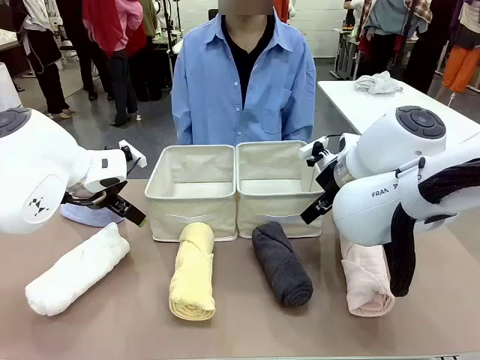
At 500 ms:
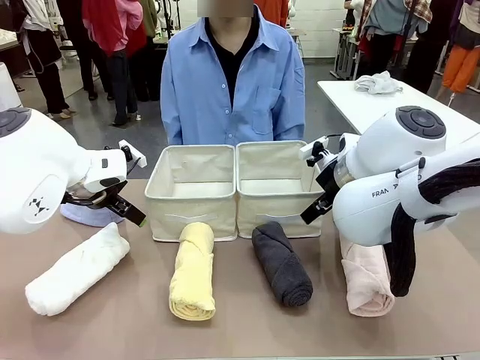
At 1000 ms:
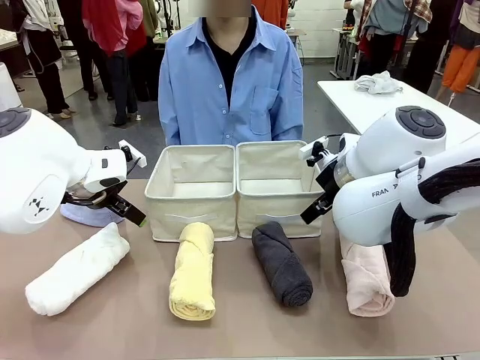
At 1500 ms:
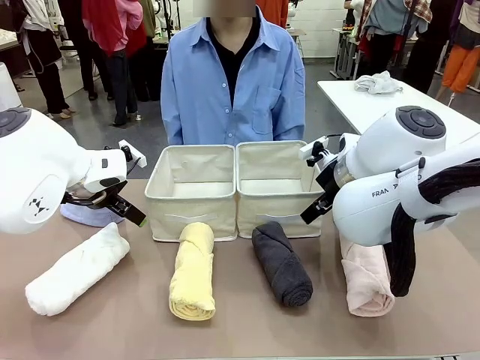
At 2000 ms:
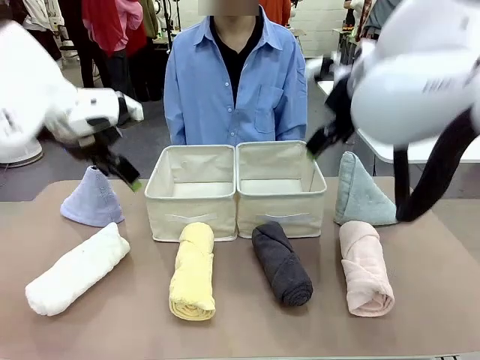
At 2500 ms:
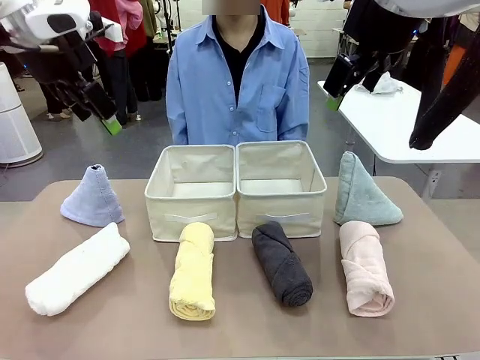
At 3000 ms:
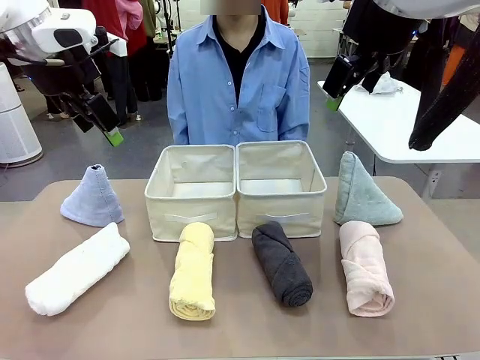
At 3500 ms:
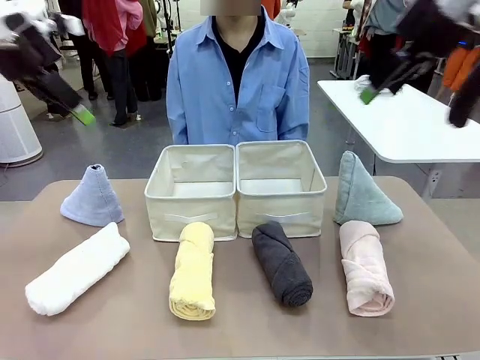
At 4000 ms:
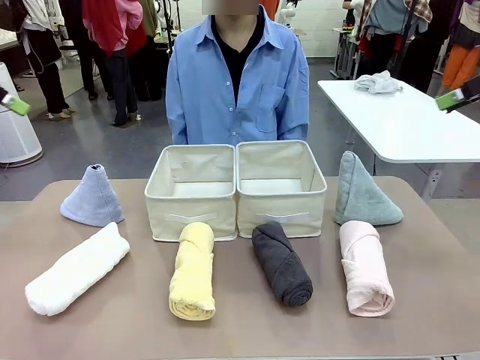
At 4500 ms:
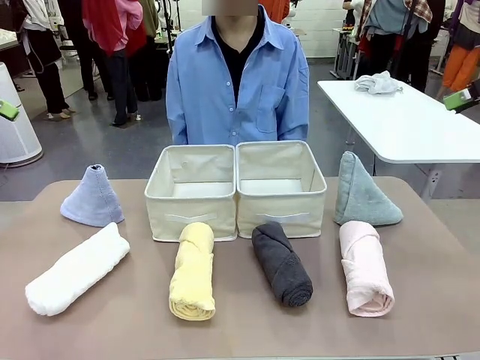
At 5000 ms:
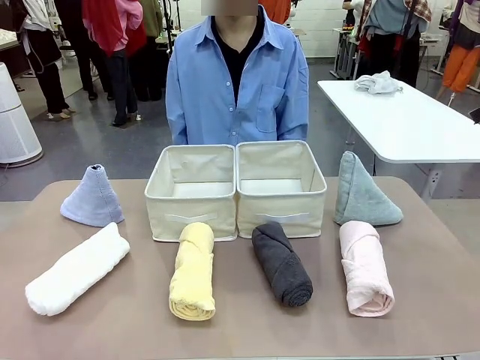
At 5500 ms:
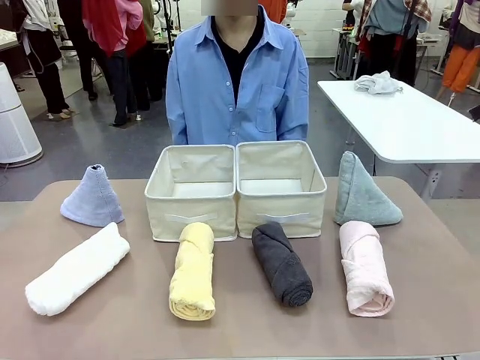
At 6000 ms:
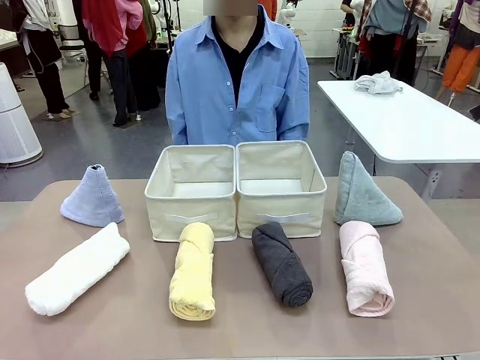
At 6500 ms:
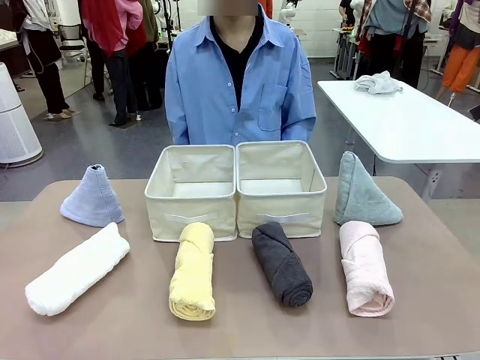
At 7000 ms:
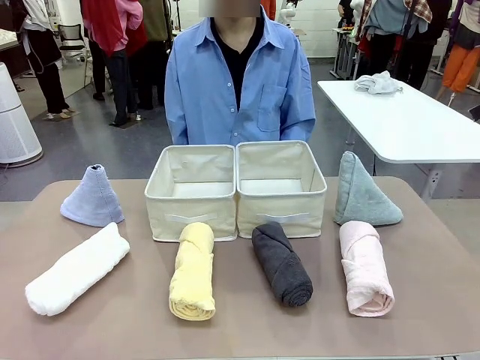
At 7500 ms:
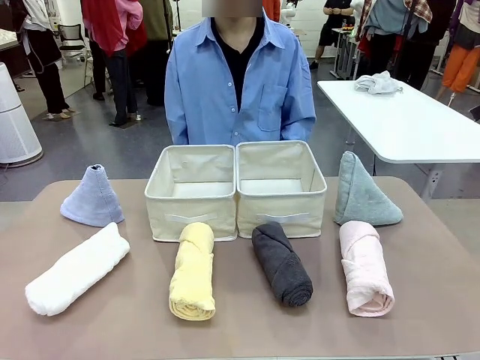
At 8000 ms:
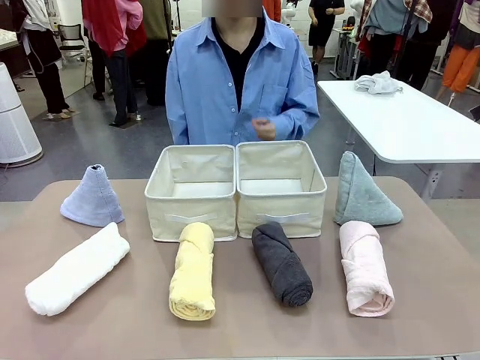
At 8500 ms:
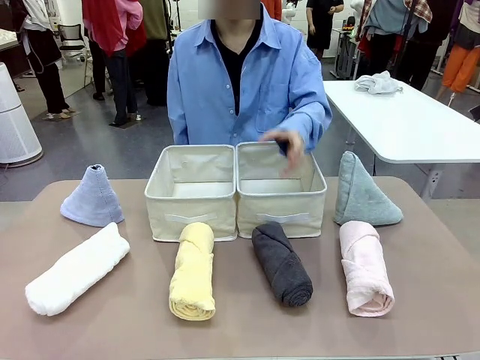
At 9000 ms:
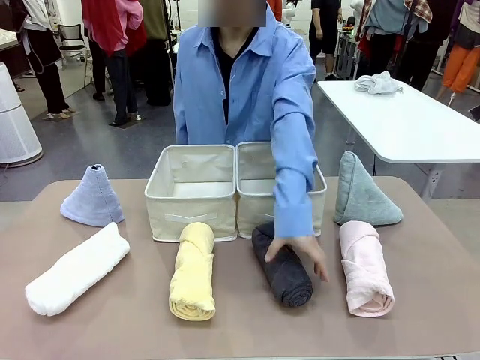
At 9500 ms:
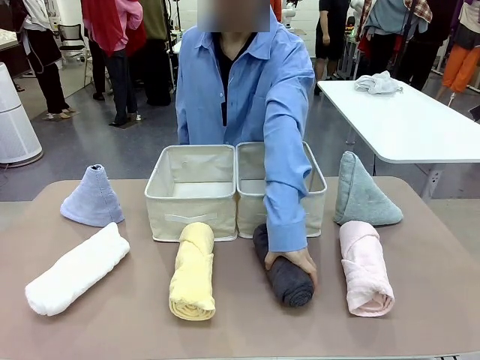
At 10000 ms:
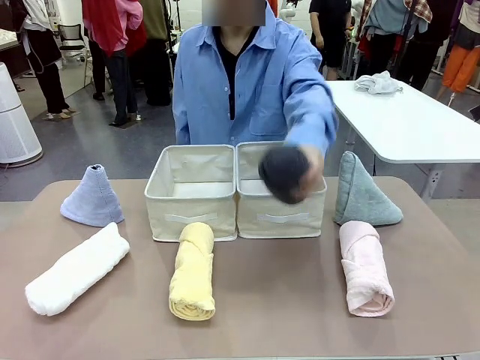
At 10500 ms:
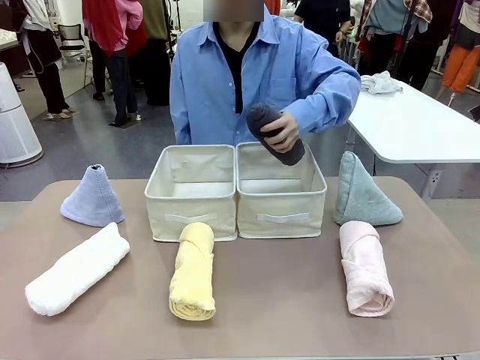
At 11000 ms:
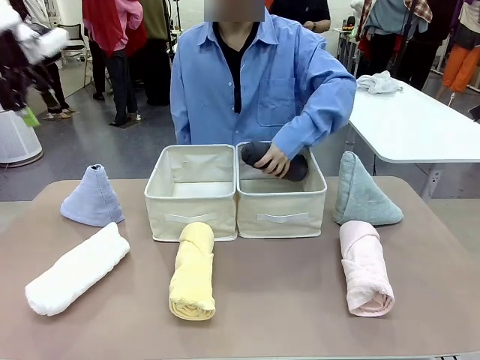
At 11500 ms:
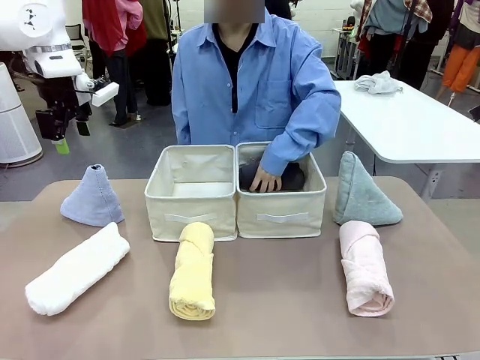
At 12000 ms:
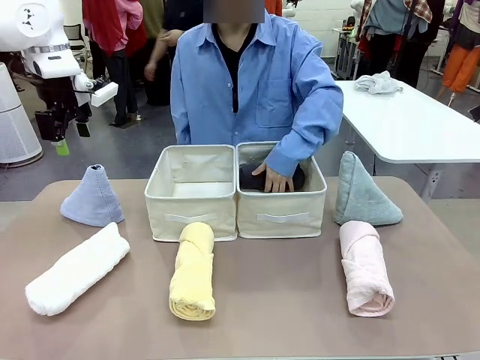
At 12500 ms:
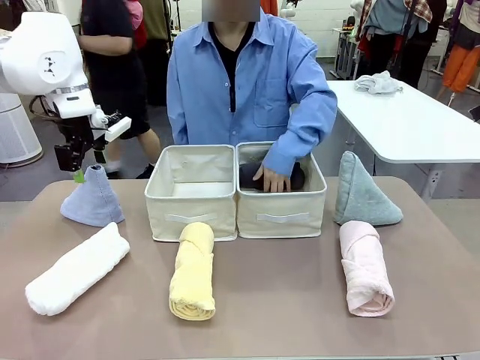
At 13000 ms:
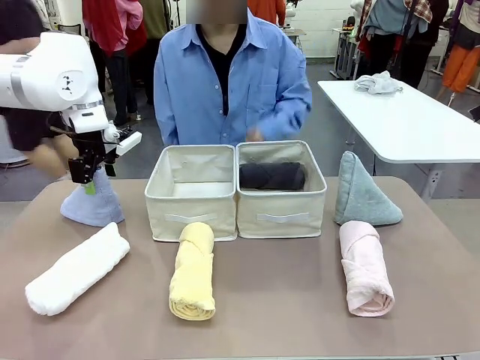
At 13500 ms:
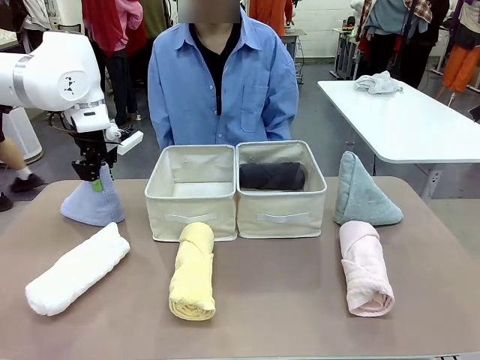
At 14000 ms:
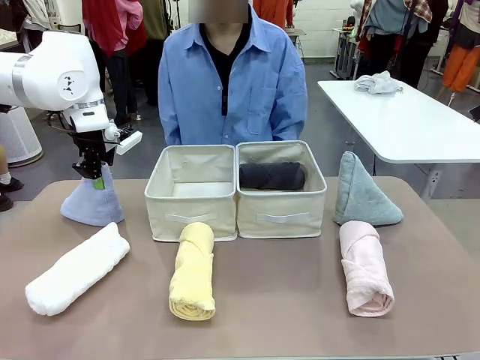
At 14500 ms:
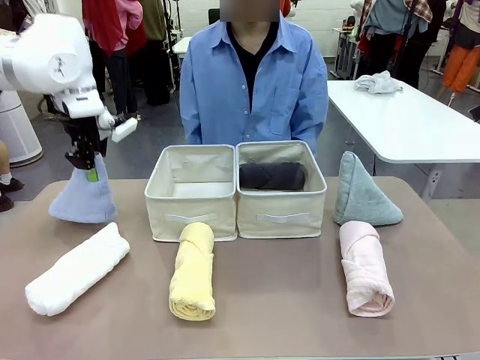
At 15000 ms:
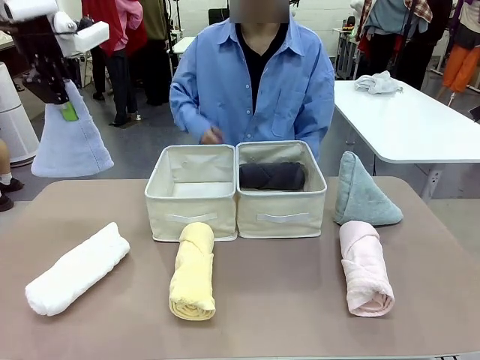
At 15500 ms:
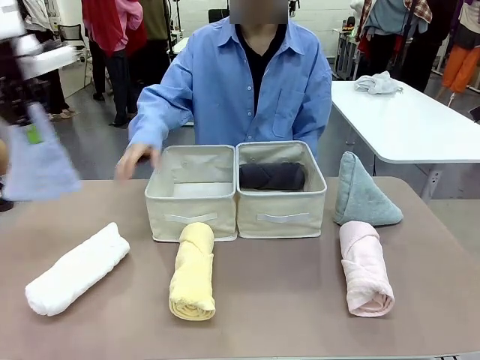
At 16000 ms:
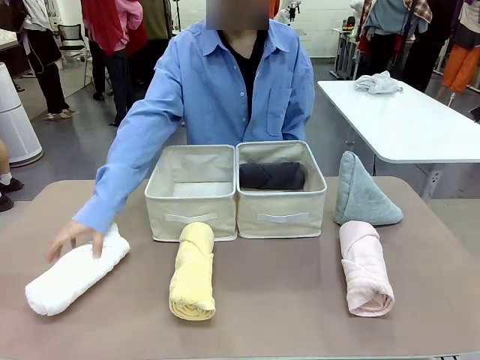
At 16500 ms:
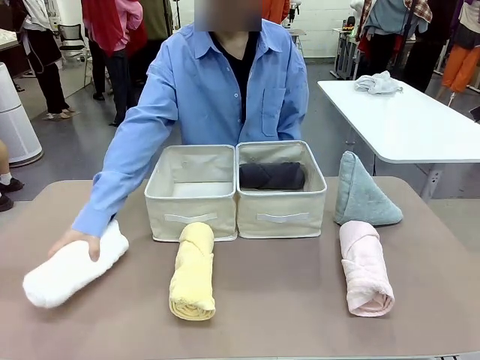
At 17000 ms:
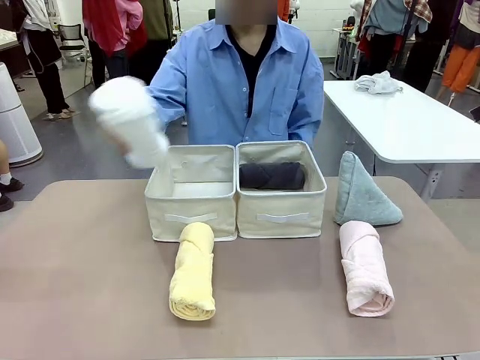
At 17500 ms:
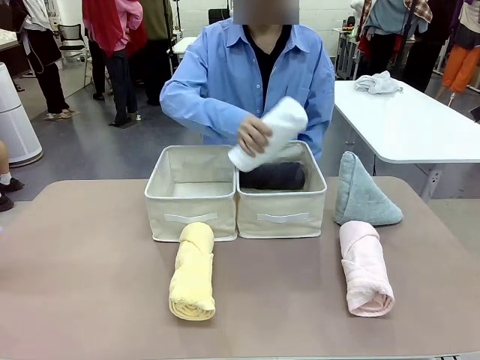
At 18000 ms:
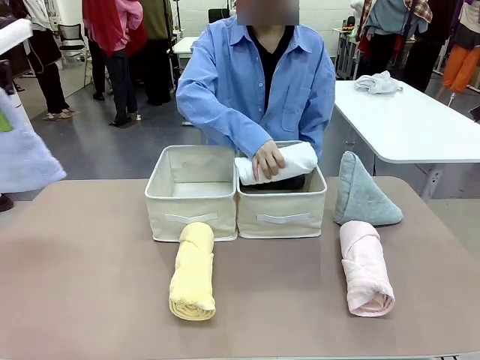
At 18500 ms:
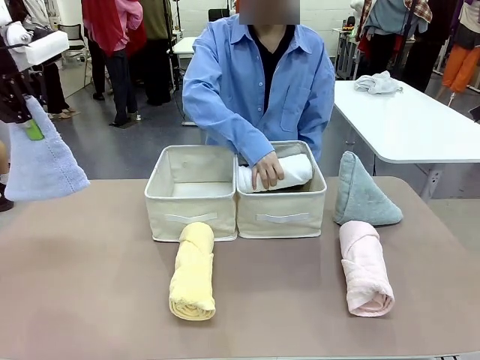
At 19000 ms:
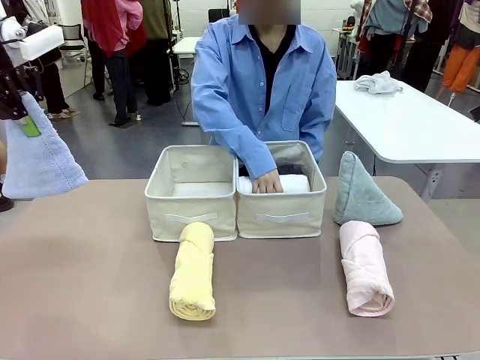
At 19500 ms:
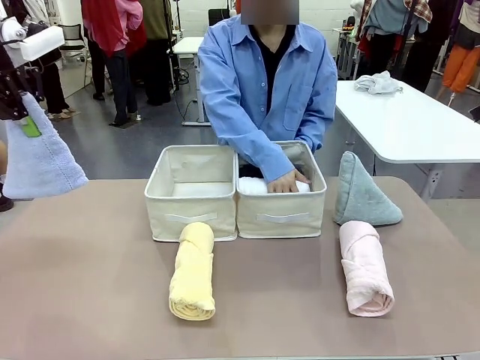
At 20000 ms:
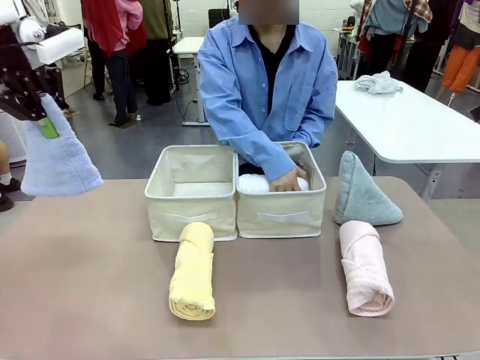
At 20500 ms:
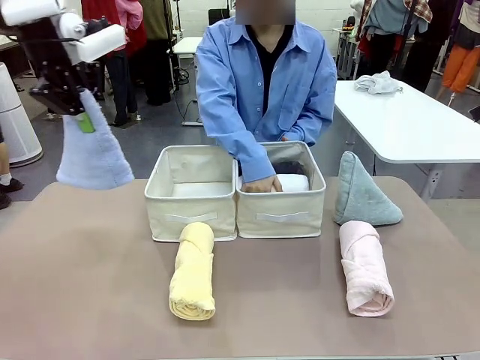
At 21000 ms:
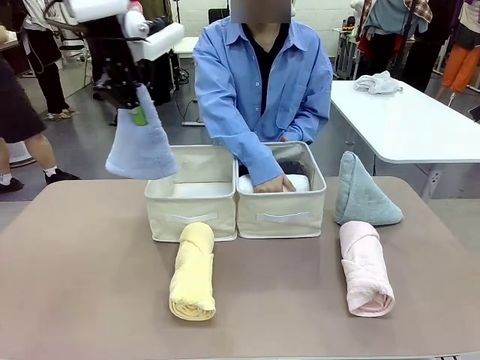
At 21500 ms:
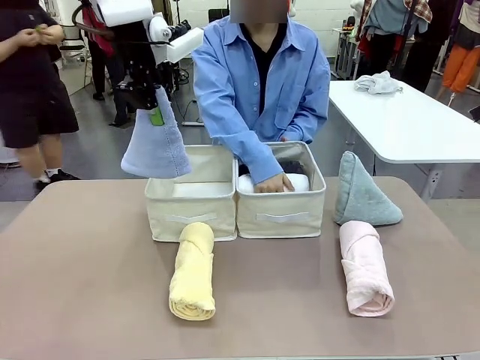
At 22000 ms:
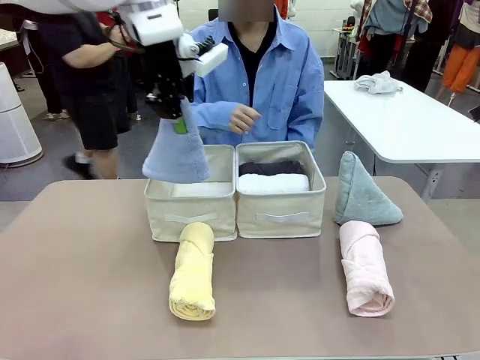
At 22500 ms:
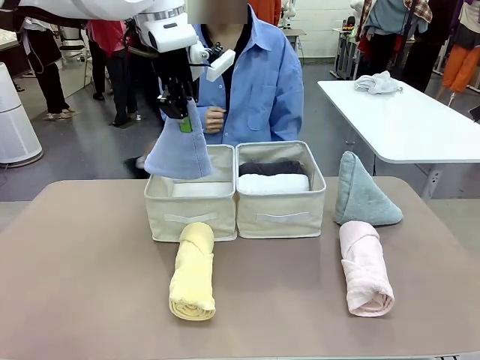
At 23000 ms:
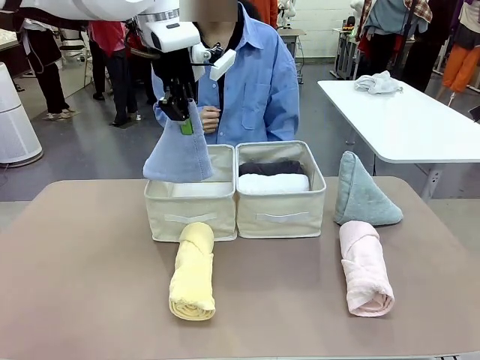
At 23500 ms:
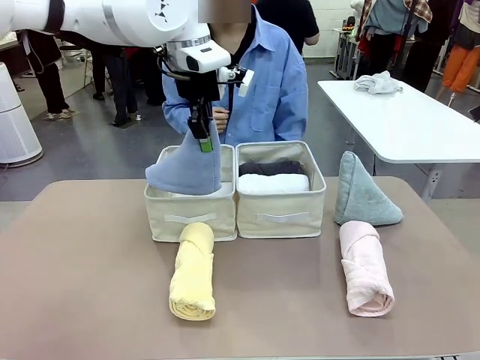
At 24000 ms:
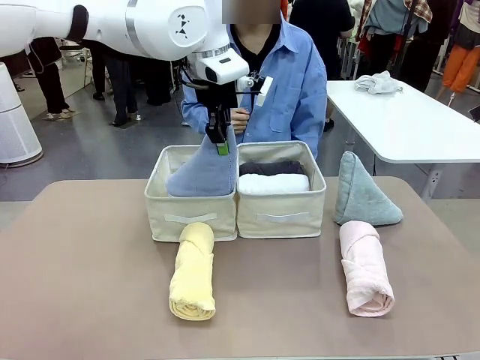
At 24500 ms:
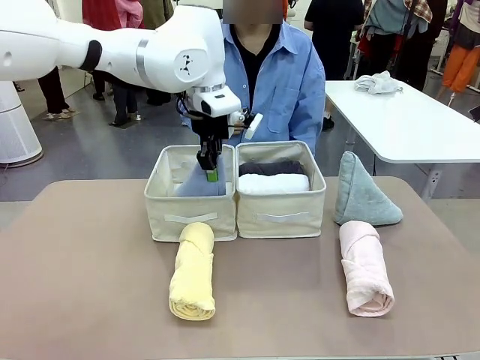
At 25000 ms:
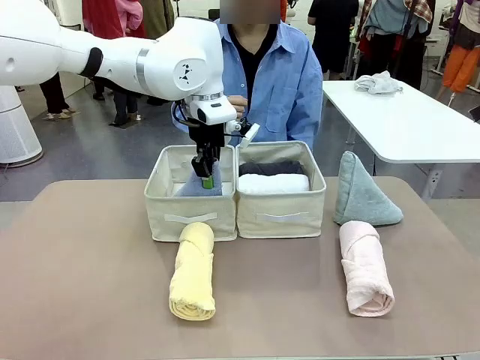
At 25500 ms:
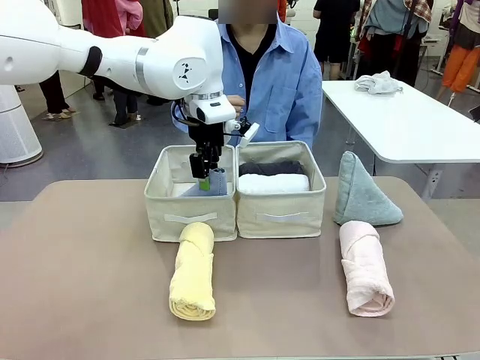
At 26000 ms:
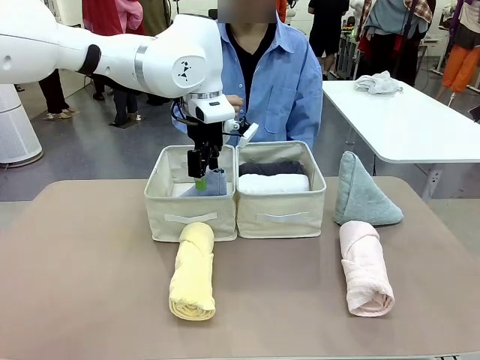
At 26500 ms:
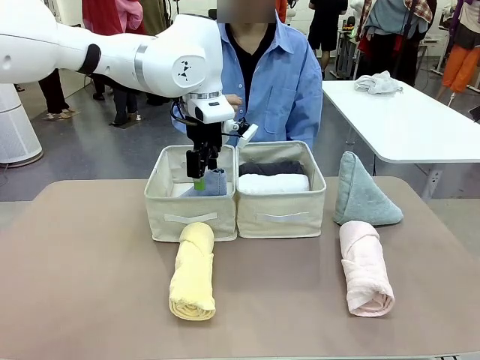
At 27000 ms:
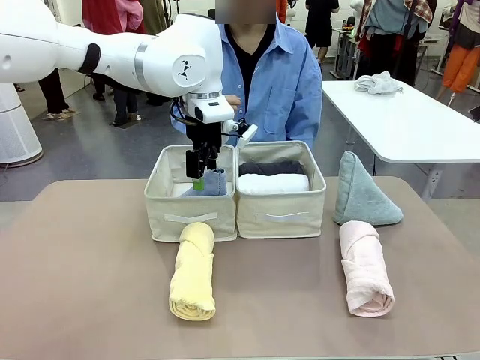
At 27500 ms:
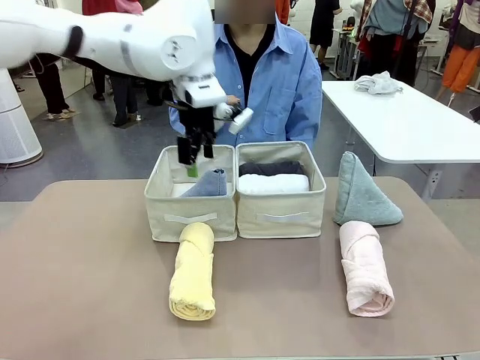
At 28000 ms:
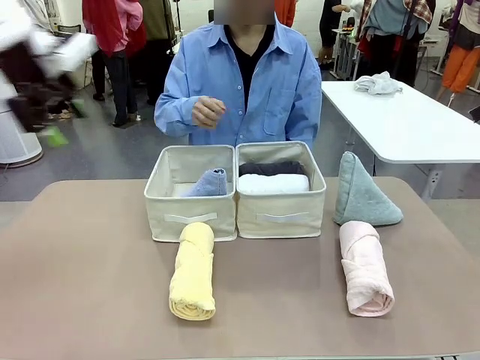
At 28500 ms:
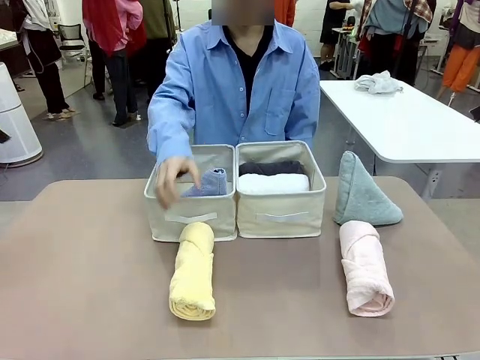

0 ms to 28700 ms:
Task: Sort the towels based on their folding style.
Robot: Pick up one triangle-folded towel and place it in the left Fabric basket.
Person: Pick up one hotel-style rolled towel and place it in the left fabric basket.
